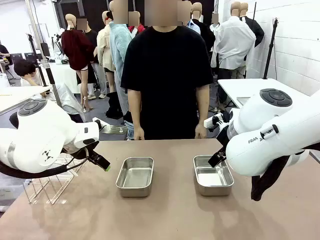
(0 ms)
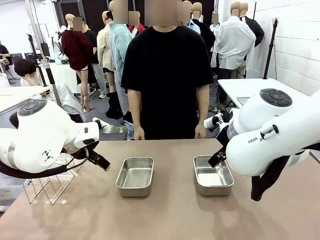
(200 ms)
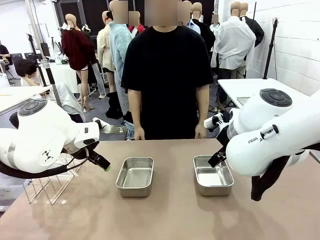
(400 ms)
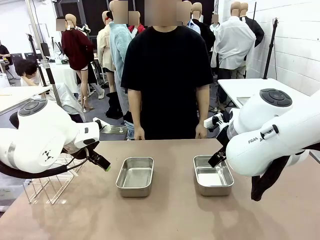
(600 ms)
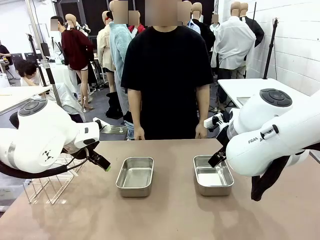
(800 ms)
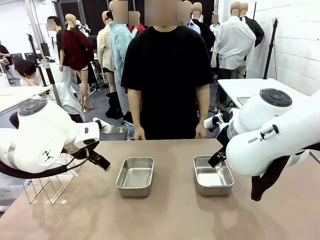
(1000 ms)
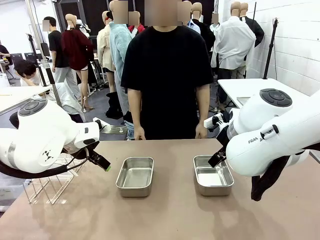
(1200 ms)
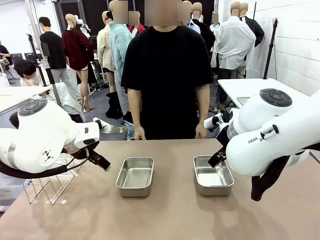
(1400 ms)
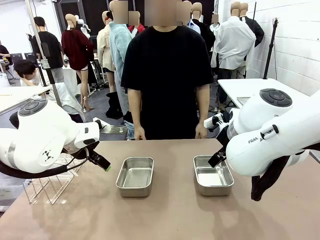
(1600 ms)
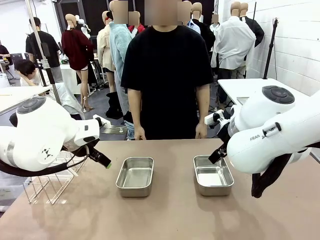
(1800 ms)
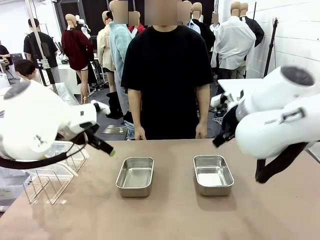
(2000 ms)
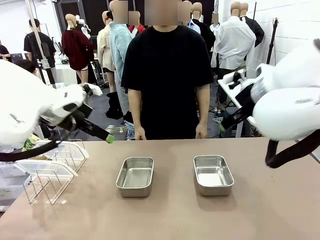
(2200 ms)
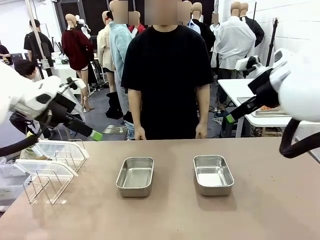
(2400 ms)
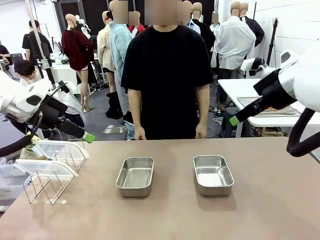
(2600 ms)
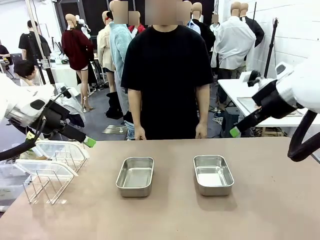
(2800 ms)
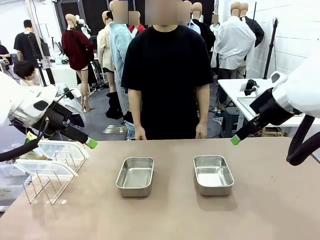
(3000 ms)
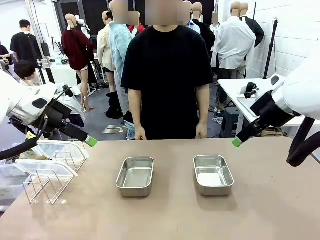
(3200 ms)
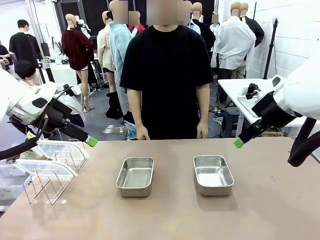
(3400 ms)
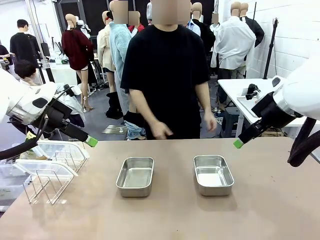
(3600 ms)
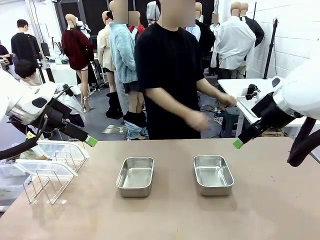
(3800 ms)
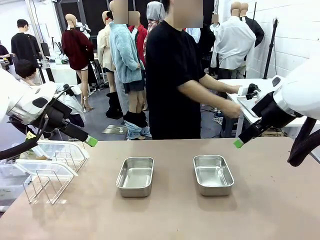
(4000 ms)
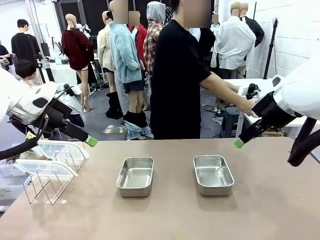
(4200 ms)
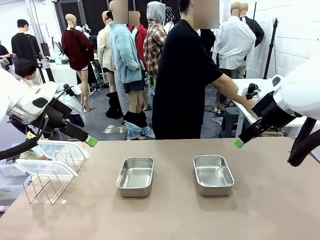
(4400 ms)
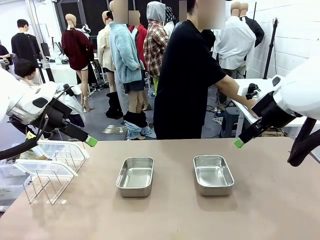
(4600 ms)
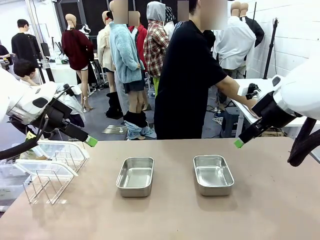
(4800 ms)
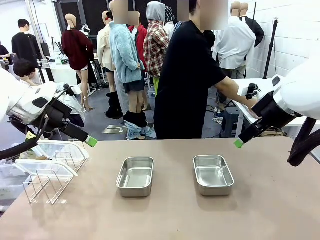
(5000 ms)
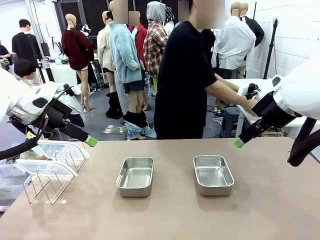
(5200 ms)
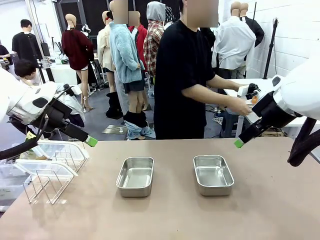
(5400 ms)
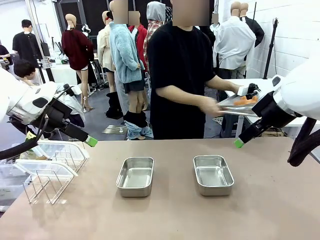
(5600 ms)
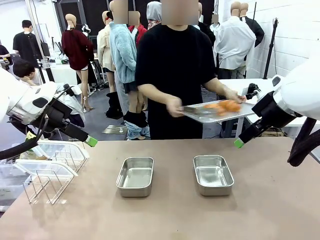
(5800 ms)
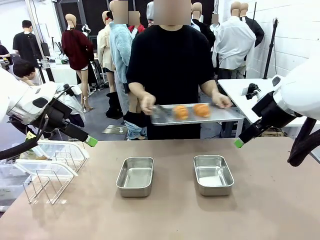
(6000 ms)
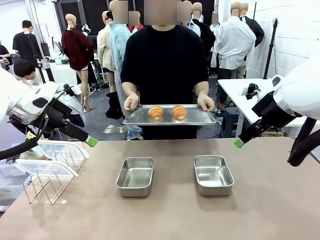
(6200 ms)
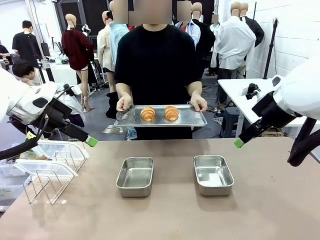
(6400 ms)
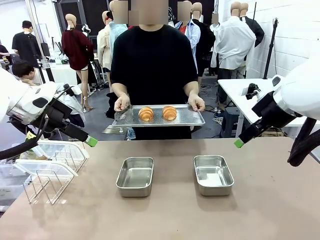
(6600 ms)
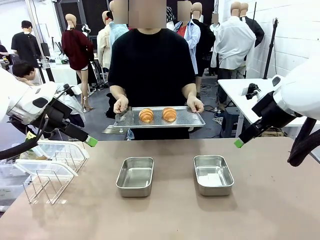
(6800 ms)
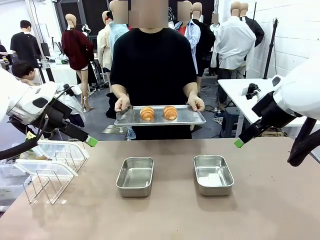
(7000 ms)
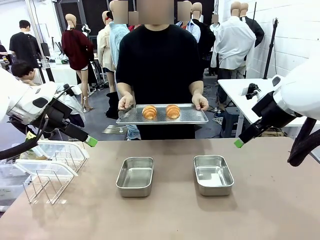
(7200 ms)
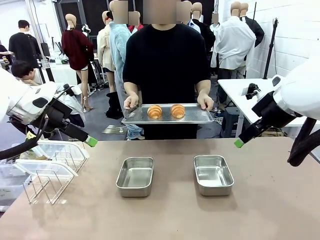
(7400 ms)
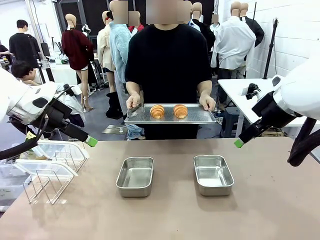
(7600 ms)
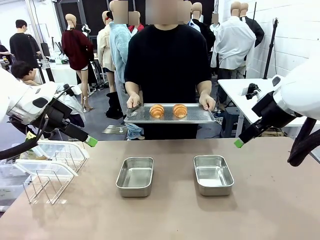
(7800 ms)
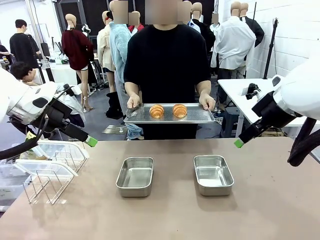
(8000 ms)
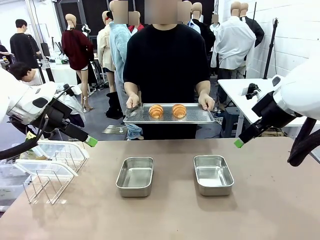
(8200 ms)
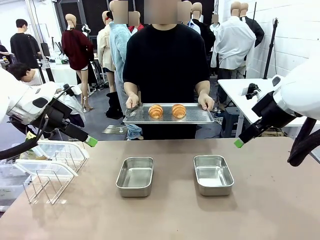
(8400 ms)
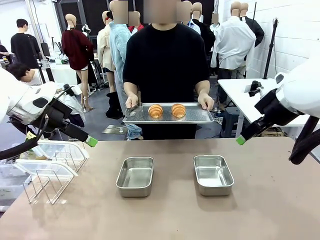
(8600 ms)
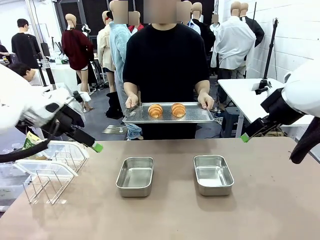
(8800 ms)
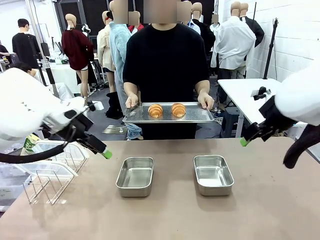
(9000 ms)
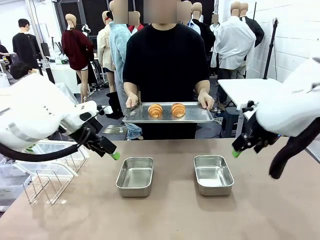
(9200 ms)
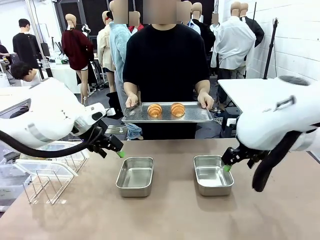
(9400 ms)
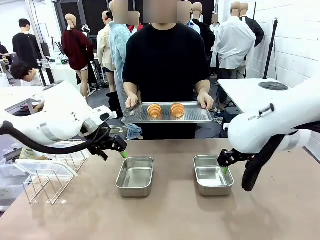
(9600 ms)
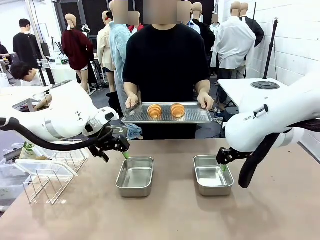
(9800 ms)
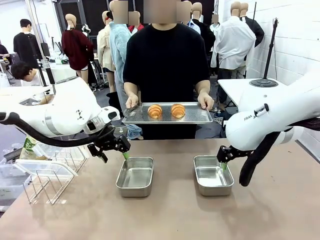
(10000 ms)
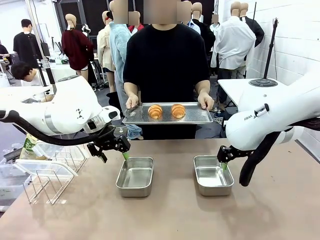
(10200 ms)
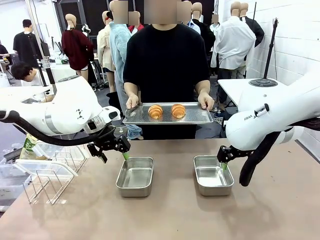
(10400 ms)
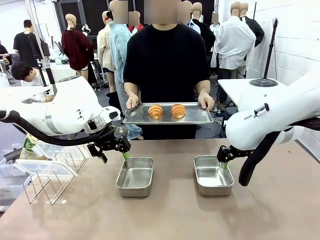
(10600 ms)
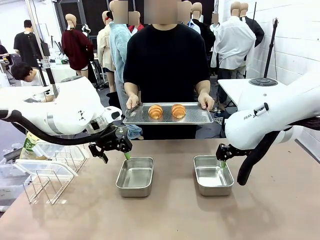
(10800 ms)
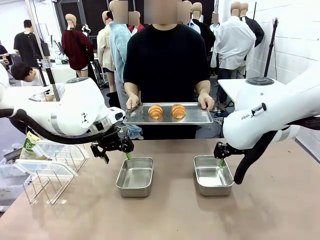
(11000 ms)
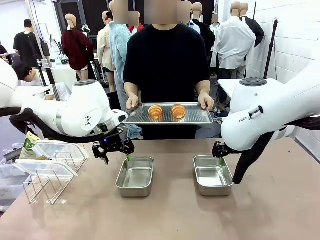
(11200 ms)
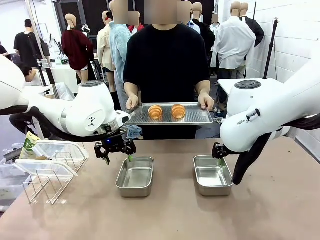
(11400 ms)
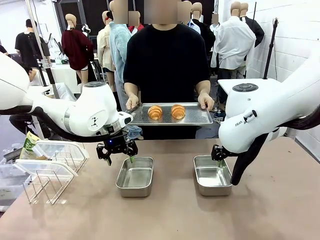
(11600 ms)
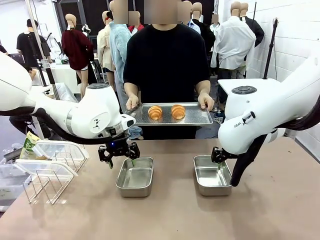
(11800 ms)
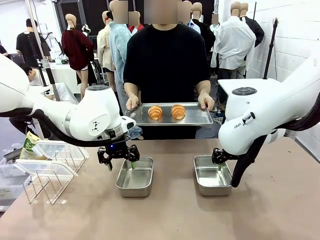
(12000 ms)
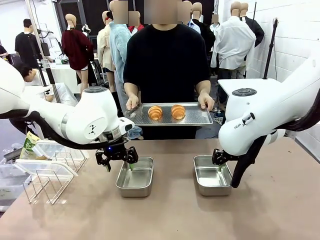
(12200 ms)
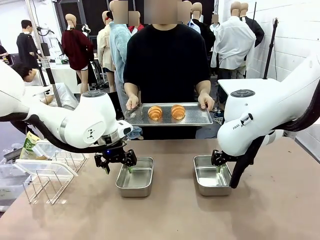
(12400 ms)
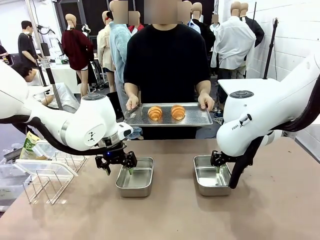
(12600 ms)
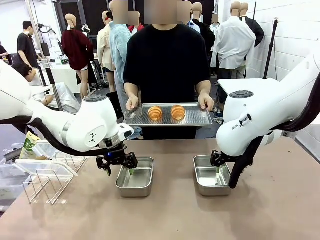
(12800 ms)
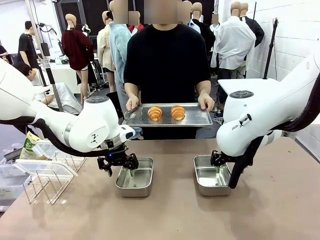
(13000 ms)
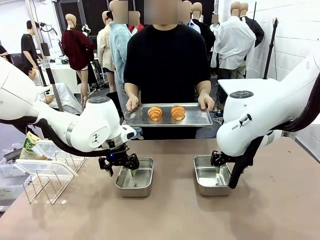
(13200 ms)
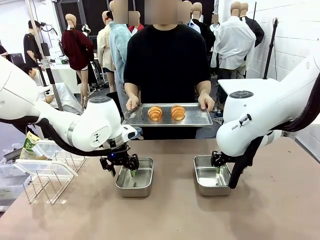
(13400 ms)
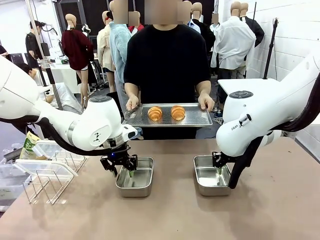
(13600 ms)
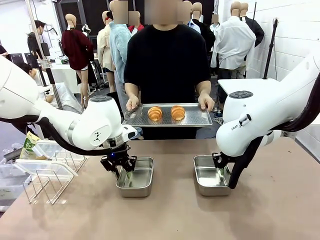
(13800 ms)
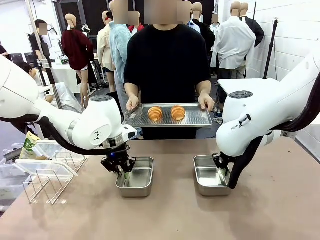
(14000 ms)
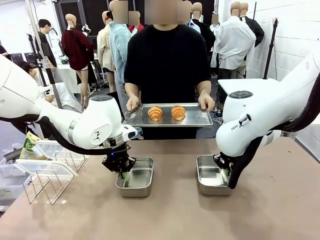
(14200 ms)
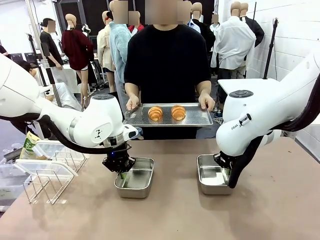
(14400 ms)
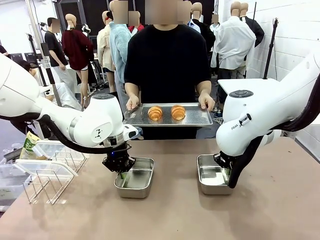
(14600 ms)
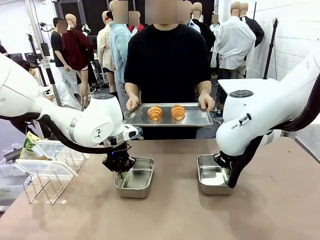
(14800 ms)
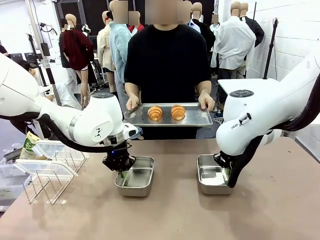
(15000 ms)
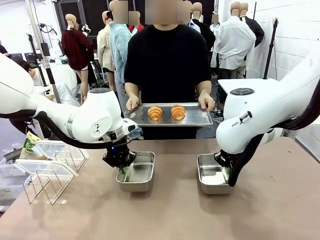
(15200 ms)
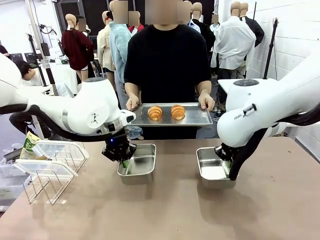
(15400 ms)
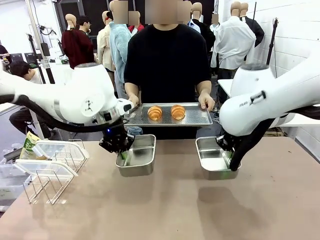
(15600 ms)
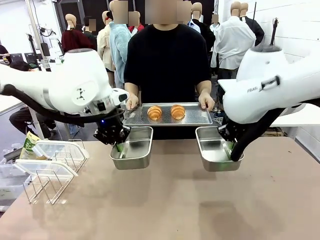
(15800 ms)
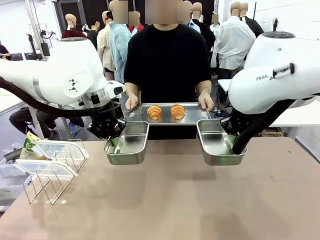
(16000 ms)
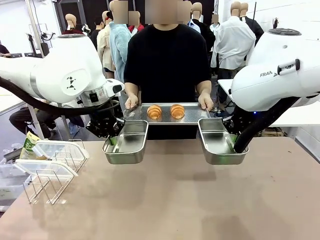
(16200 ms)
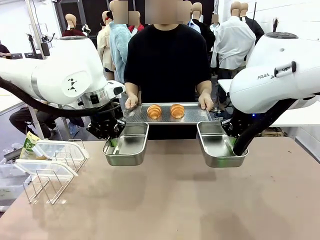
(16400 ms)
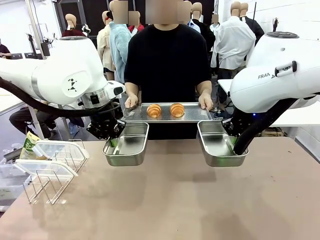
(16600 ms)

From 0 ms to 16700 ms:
Task: Place the bread in airtight containers.
Robot: Lift both Airtight Container.
Person: Bring the Baking Sheet in front of Robot's Table.
